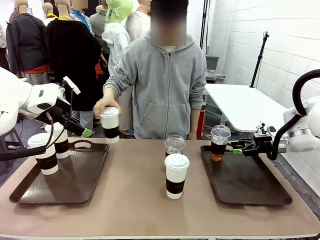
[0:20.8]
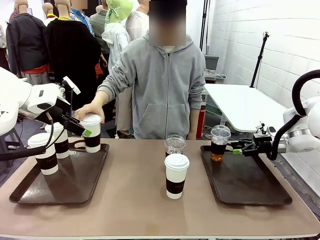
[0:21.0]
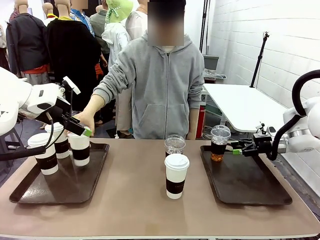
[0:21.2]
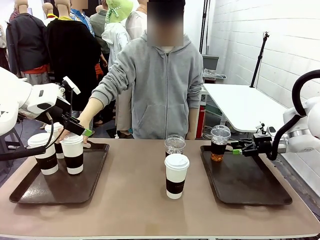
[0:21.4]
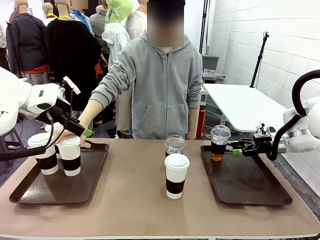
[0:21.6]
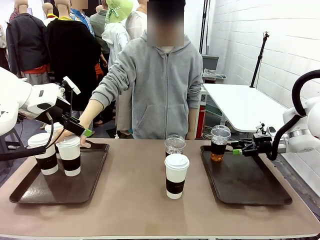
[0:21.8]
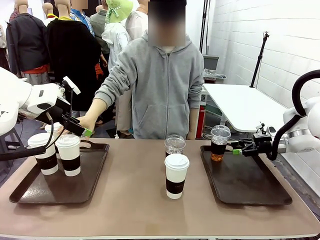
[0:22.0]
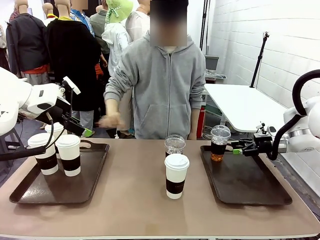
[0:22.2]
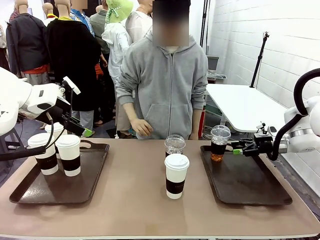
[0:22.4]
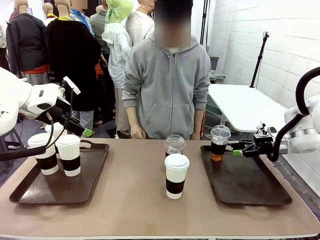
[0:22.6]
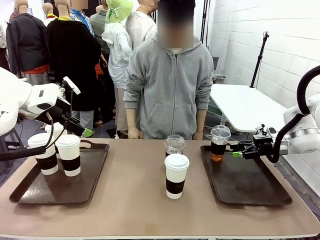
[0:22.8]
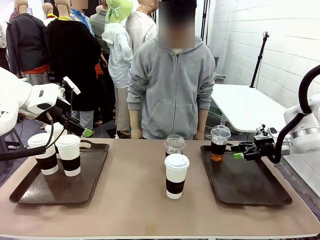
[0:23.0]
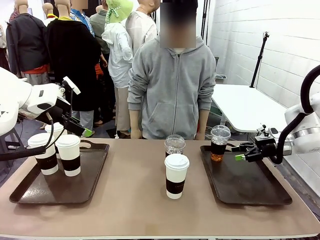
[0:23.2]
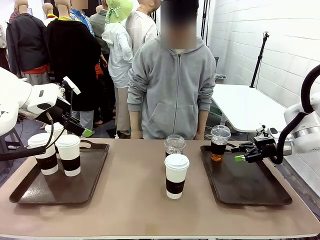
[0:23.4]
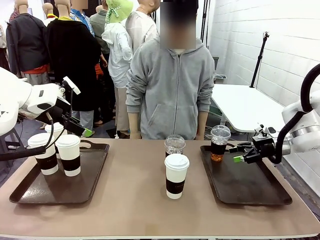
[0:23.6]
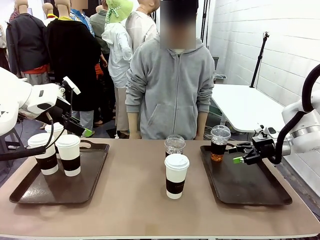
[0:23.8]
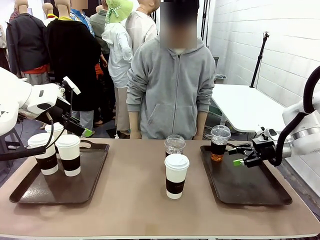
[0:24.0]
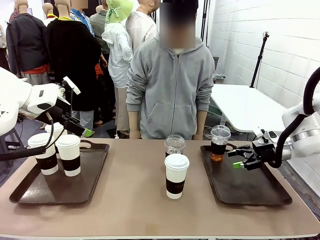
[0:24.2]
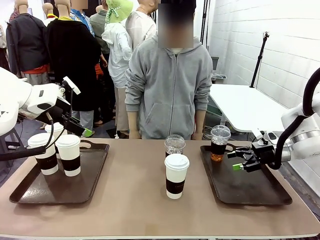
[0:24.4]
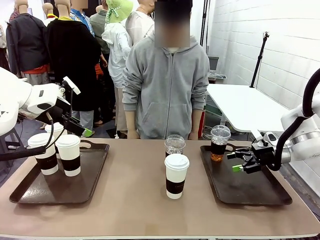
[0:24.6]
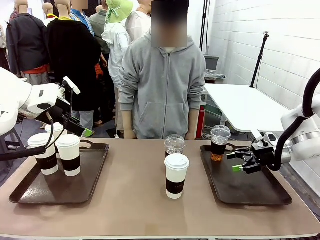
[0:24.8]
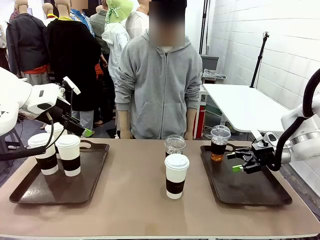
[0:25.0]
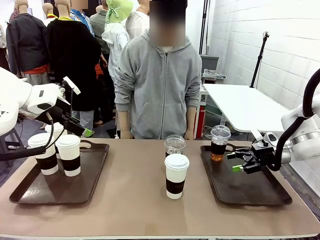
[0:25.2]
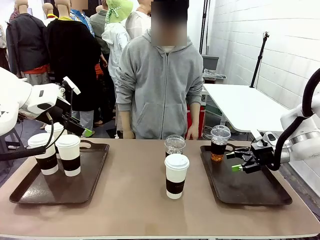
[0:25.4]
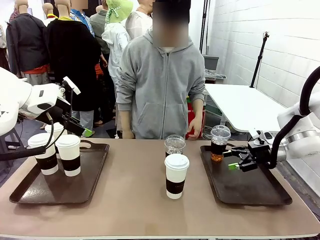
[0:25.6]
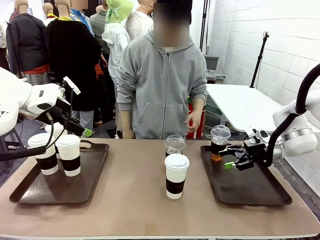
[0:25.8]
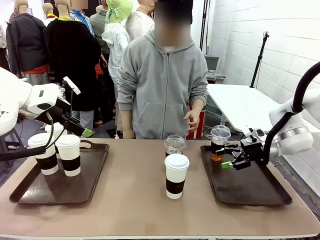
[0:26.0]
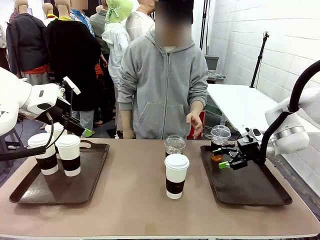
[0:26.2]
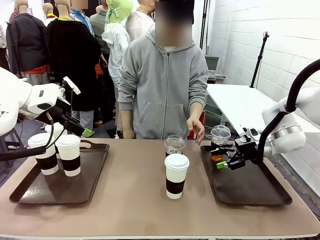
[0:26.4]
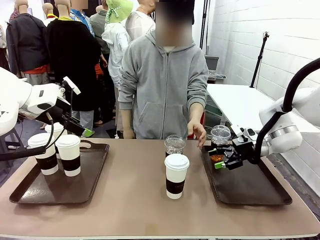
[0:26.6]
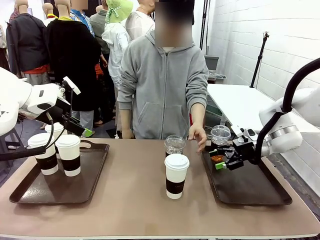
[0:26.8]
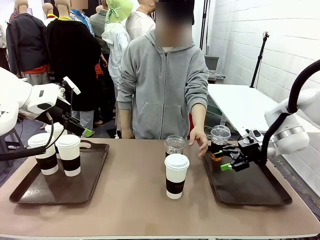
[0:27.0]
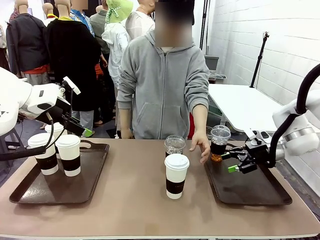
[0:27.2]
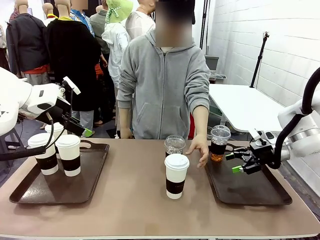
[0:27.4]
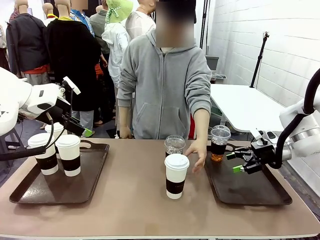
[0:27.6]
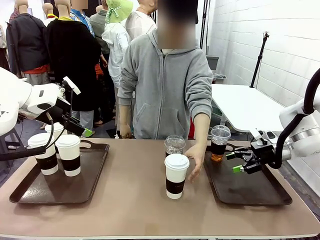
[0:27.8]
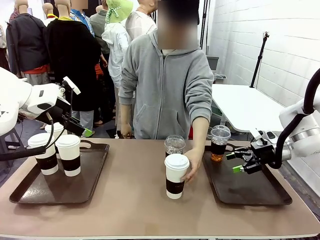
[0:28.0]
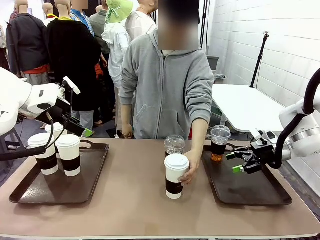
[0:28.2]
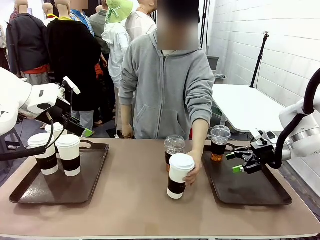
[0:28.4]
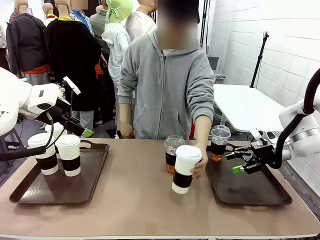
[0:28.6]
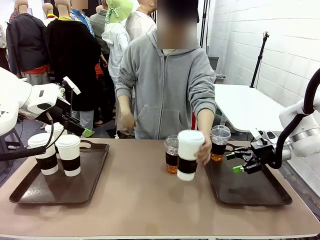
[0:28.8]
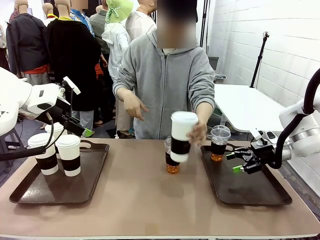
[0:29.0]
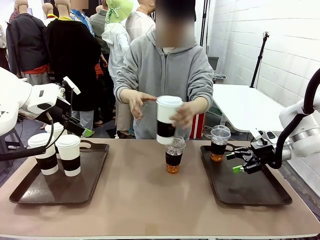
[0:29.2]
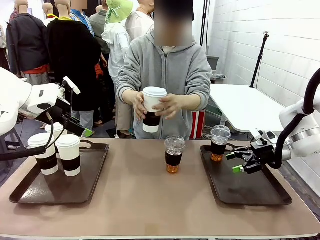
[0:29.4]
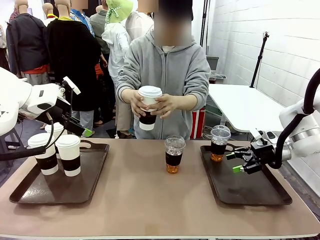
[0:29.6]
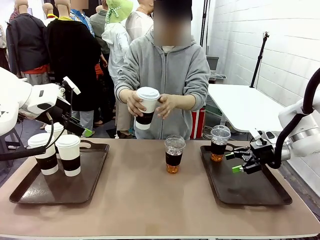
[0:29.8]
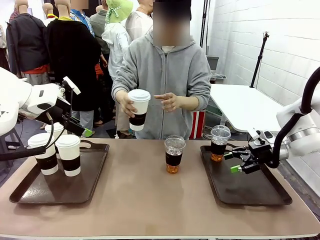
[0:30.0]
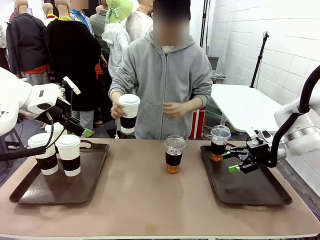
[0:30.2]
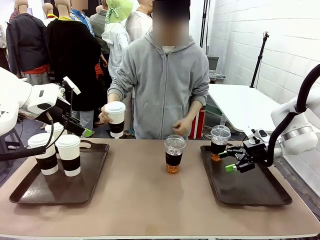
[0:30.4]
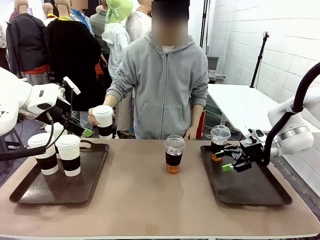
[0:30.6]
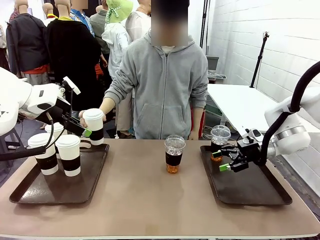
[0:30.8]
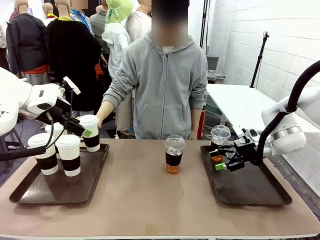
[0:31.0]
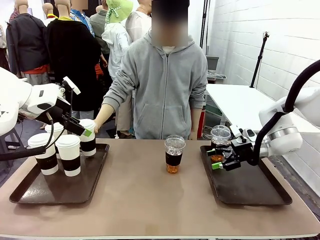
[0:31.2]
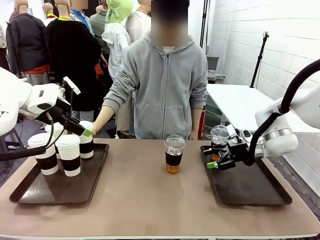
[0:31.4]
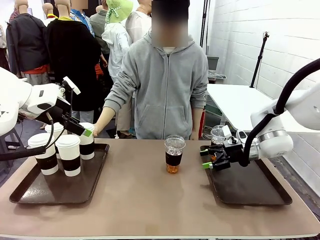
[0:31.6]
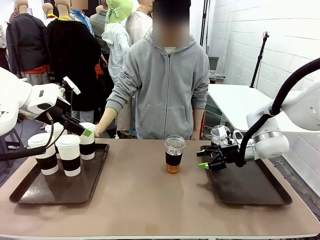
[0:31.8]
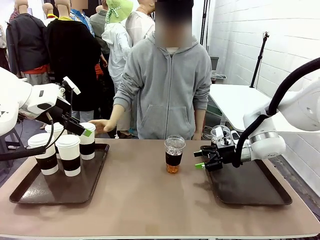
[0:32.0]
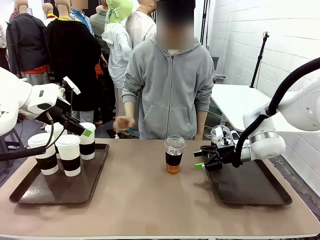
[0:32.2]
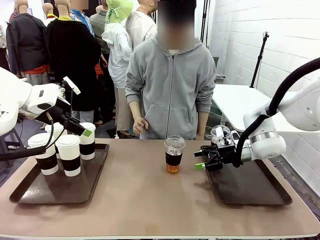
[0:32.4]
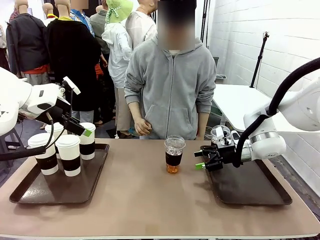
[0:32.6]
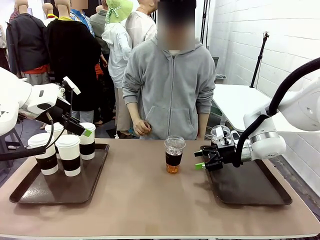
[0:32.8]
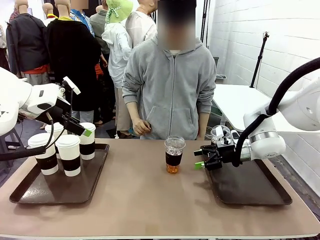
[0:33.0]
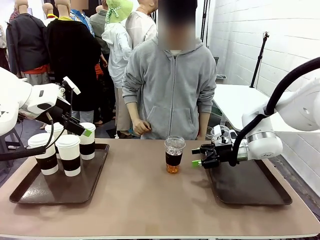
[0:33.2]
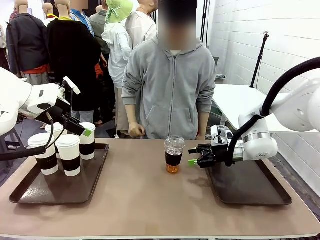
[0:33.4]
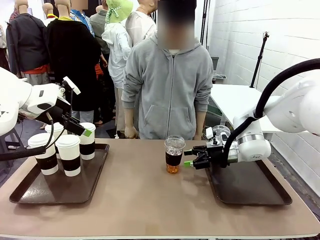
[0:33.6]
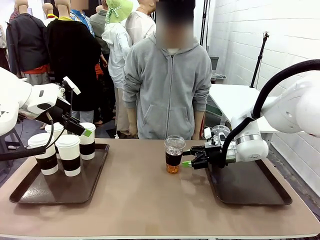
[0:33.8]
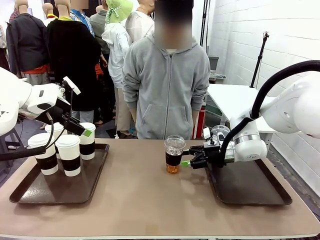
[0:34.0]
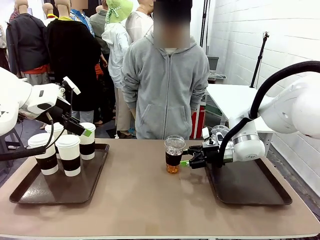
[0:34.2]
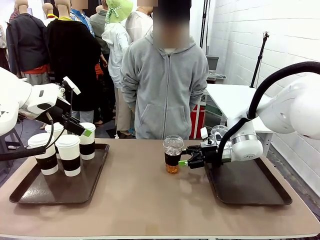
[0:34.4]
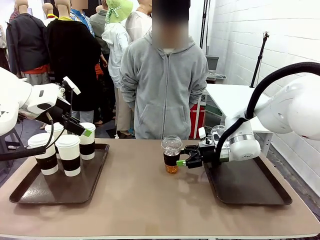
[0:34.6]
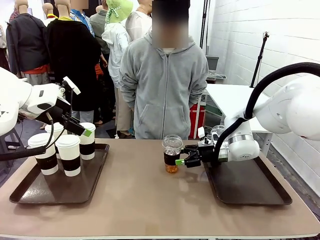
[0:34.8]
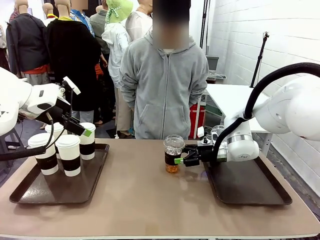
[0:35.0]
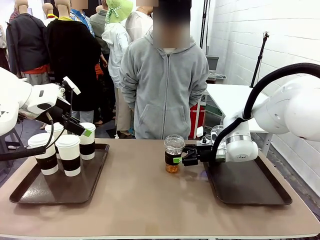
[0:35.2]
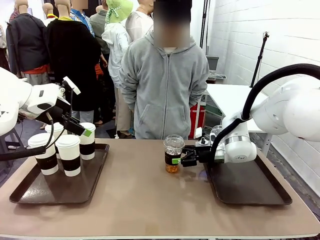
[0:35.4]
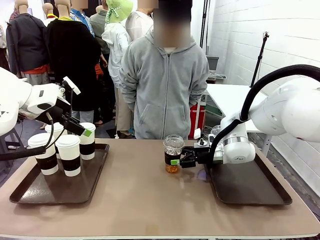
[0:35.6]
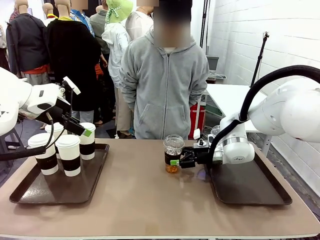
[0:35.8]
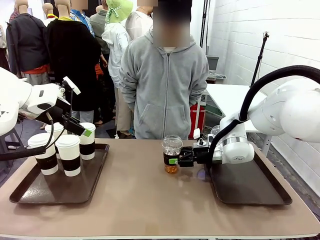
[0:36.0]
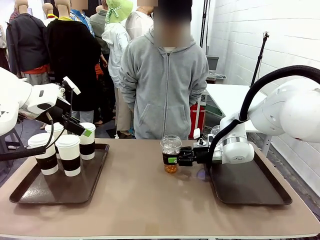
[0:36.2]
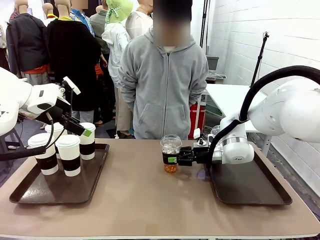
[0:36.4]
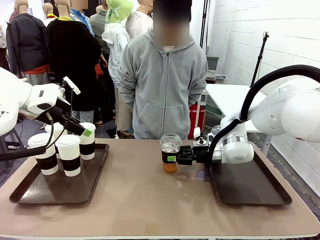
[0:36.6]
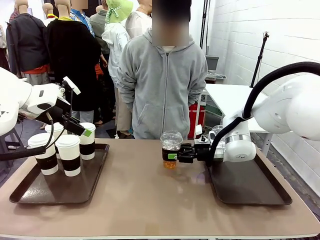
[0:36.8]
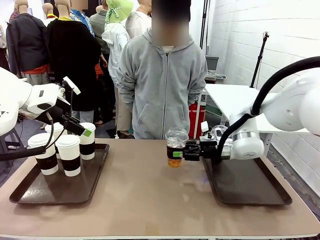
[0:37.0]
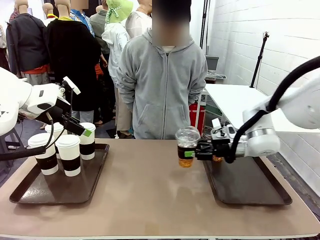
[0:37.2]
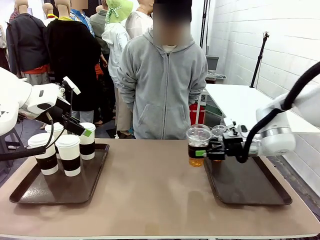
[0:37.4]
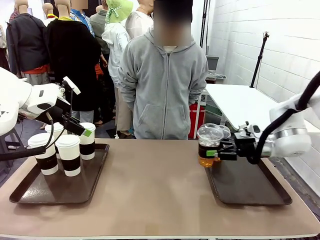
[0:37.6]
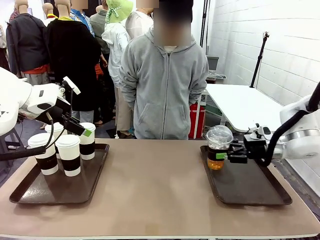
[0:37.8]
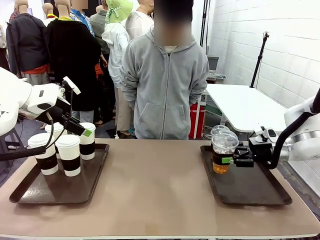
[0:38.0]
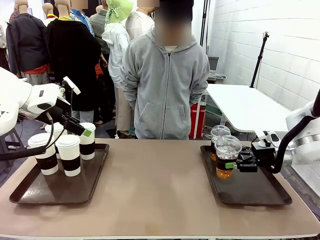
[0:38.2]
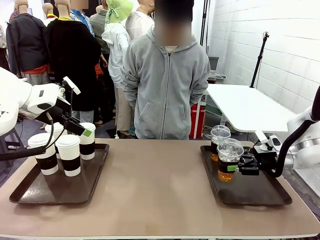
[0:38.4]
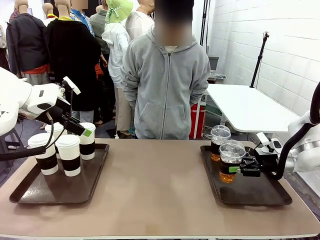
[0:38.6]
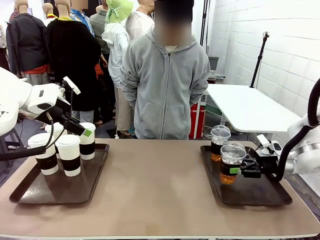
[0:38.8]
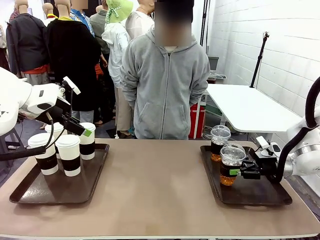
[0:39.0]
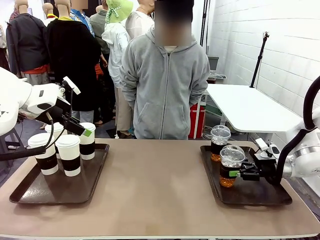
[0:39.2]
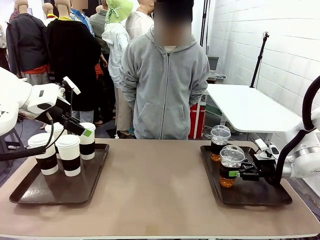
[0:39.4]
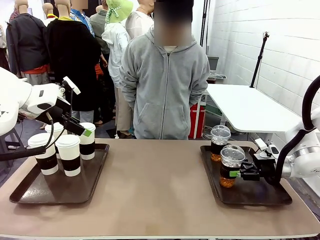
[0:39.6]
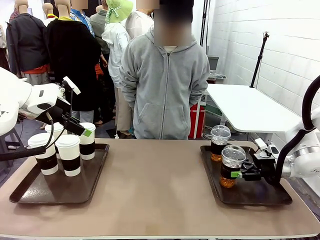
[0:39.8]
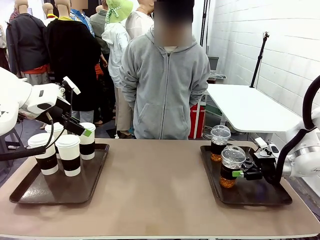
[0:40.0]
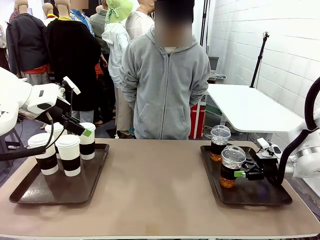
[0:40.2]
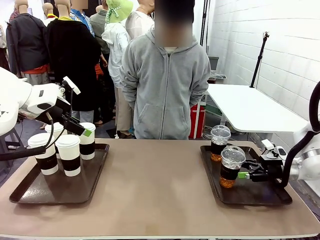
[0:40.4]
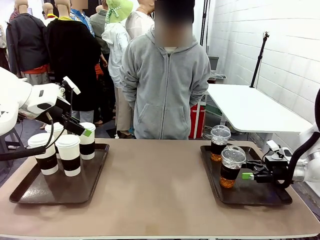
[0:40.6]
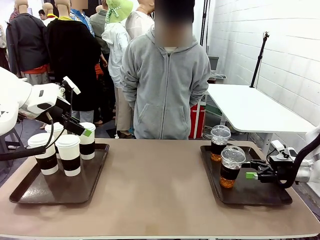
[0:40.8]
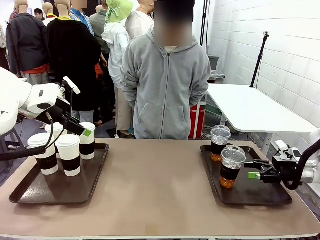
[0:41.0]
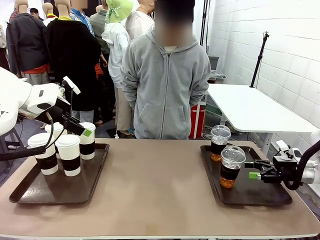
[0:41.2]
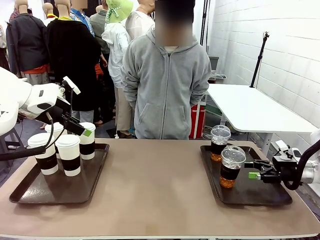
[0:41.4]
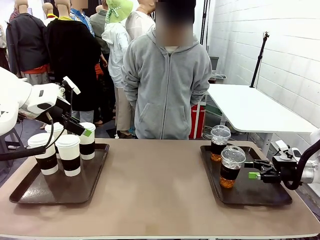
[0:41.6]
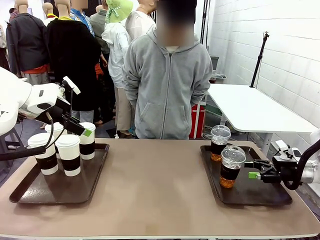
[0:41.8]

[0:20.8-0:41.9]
Task: Distribute the coffee onto the tray.
Robot: Pick up another iced Americano from the middle of the table and place it on the right Handle tray.
Person: Pick up a cup of hot Americano from the middle of the table and place it on the right tray.
